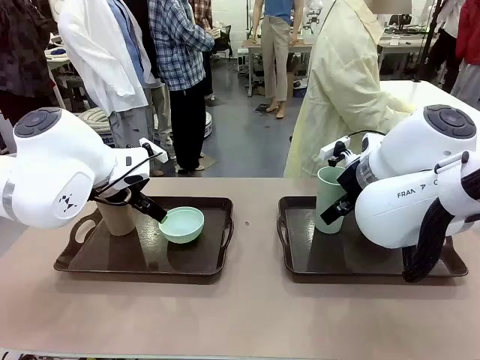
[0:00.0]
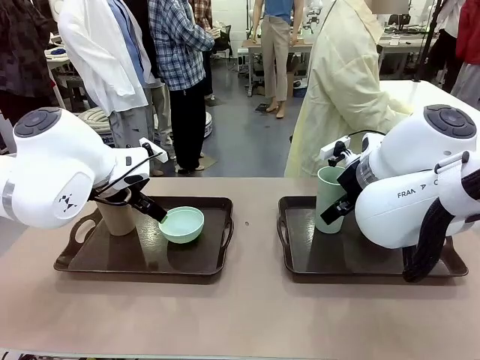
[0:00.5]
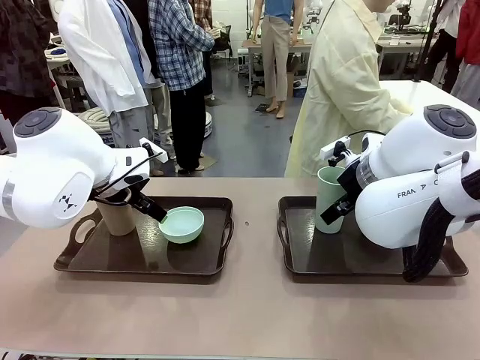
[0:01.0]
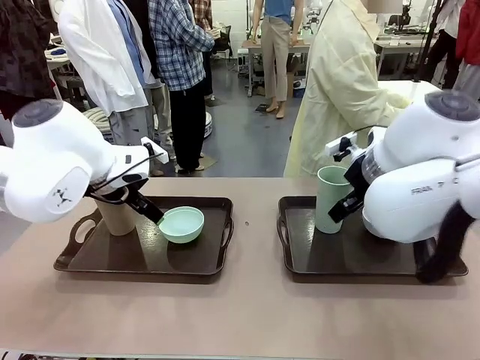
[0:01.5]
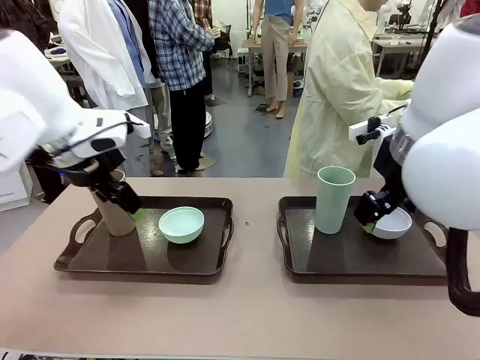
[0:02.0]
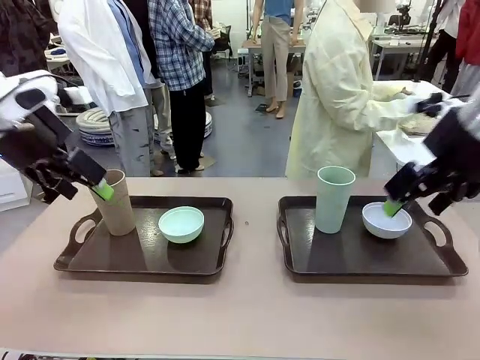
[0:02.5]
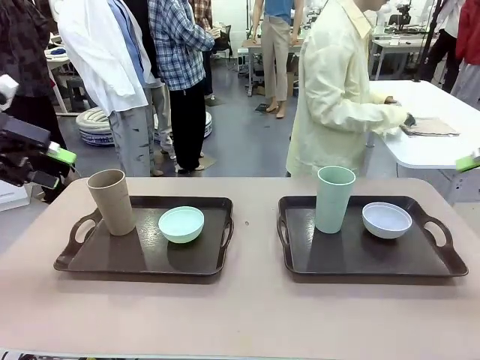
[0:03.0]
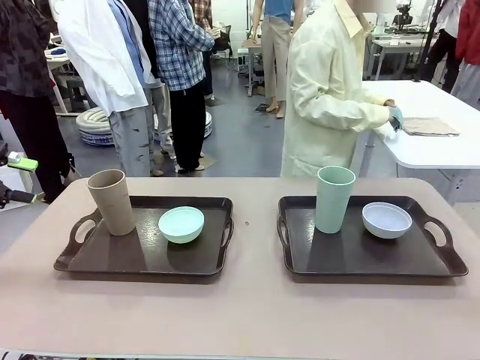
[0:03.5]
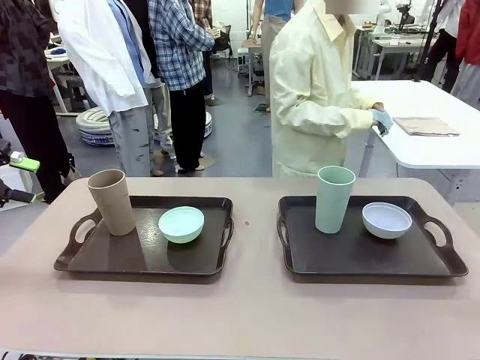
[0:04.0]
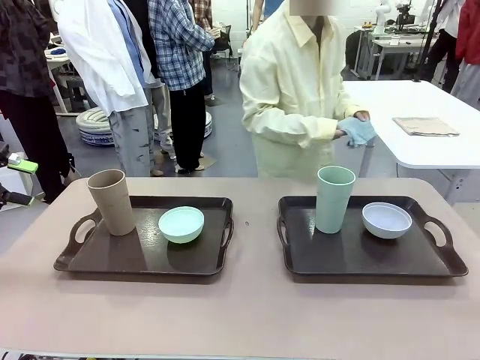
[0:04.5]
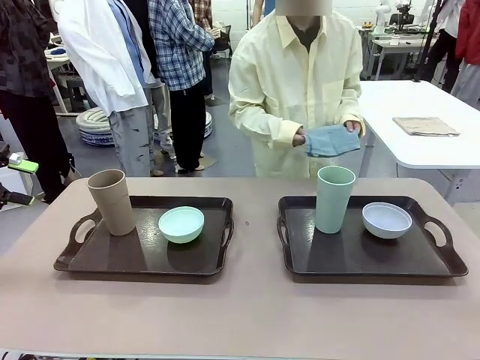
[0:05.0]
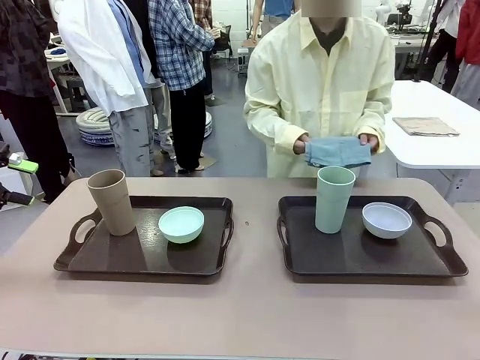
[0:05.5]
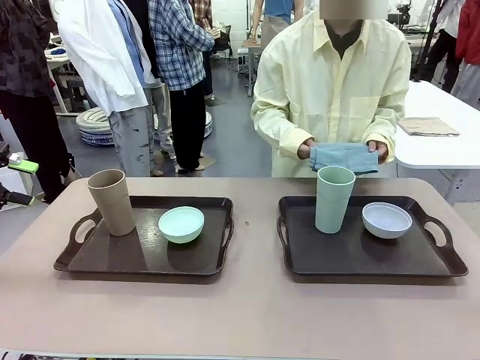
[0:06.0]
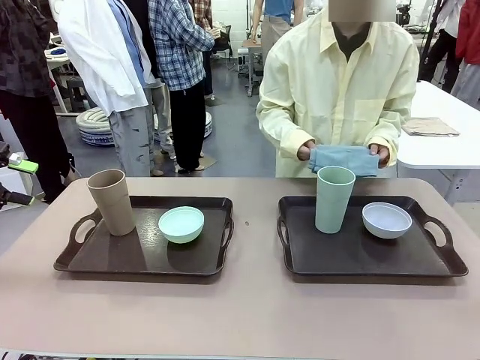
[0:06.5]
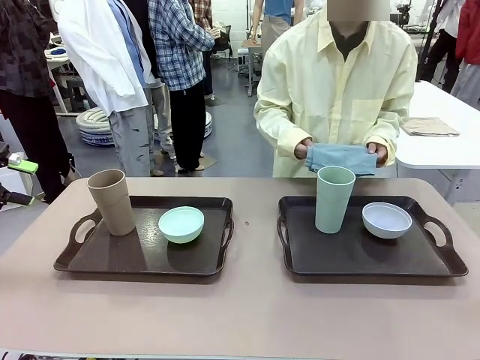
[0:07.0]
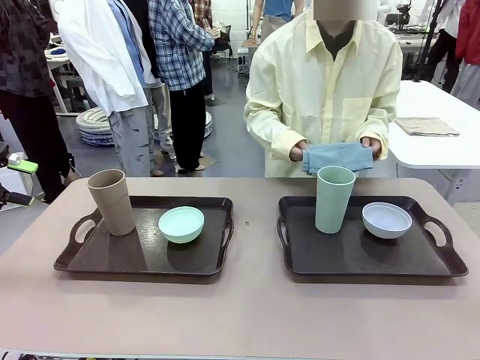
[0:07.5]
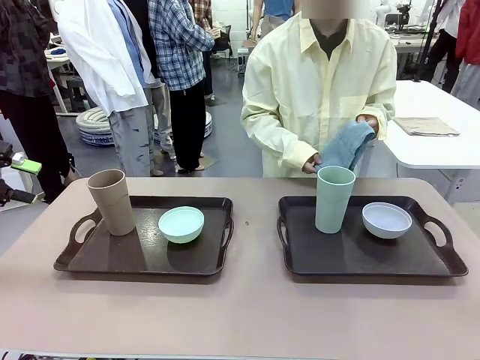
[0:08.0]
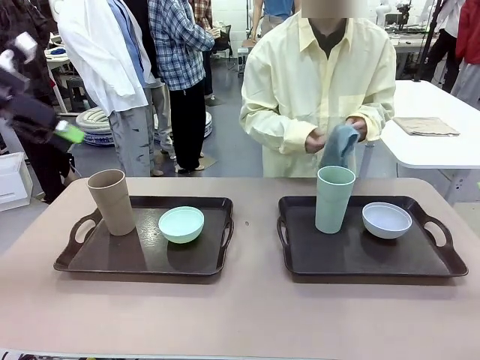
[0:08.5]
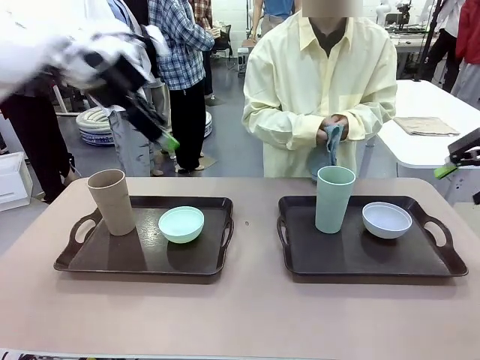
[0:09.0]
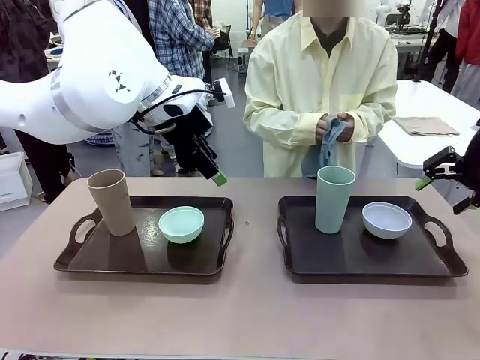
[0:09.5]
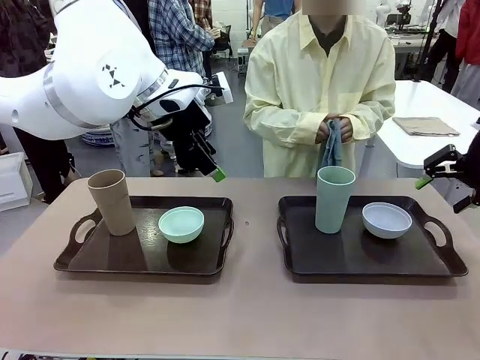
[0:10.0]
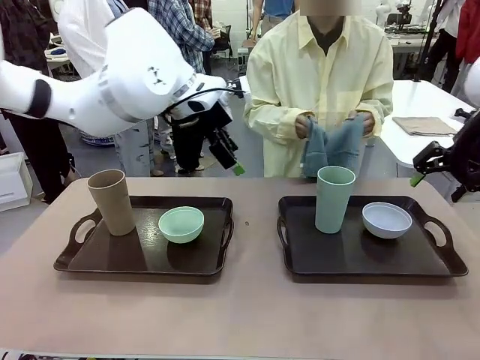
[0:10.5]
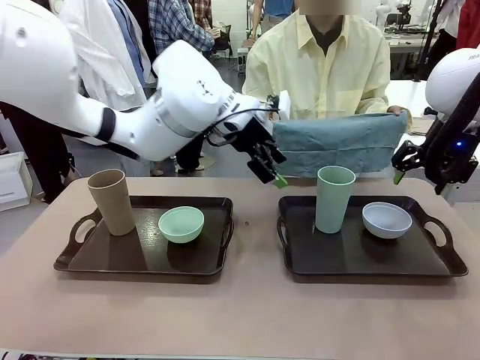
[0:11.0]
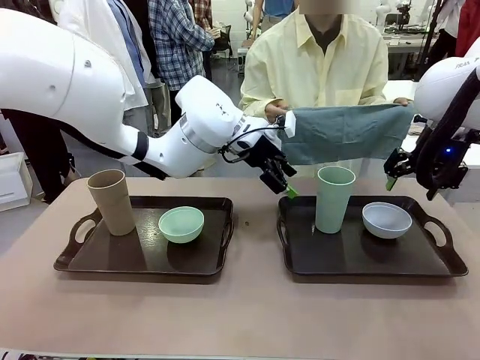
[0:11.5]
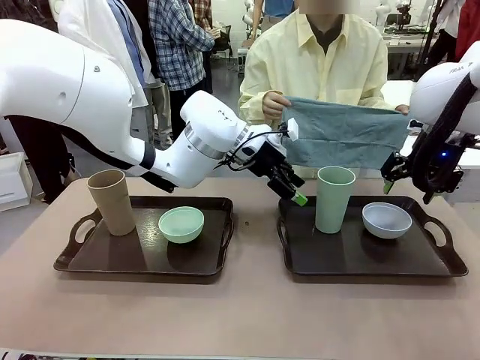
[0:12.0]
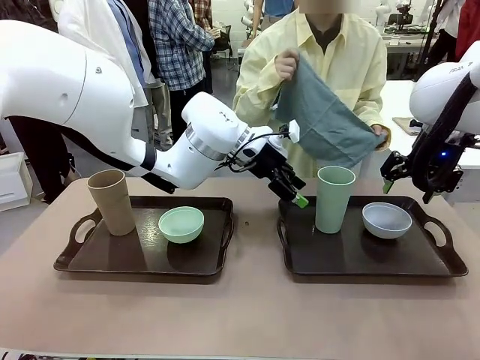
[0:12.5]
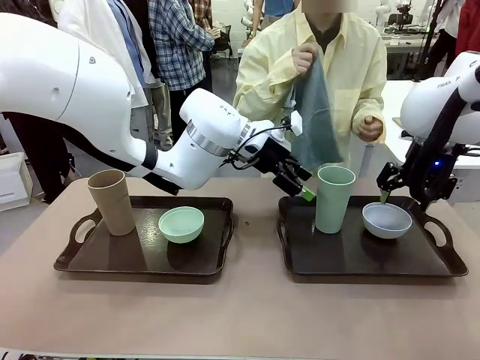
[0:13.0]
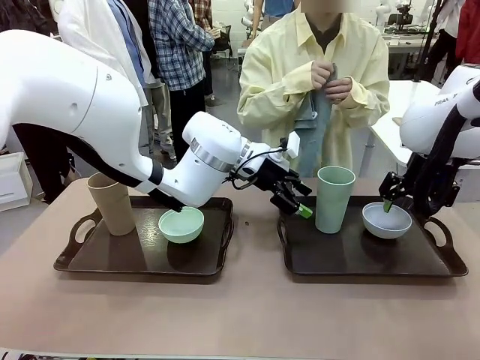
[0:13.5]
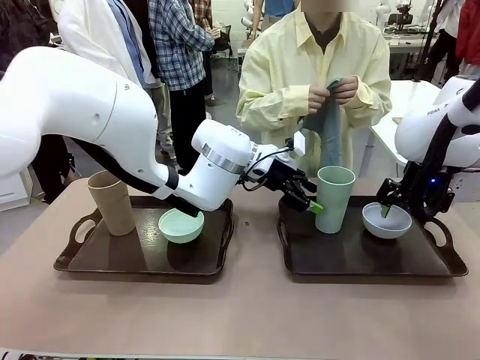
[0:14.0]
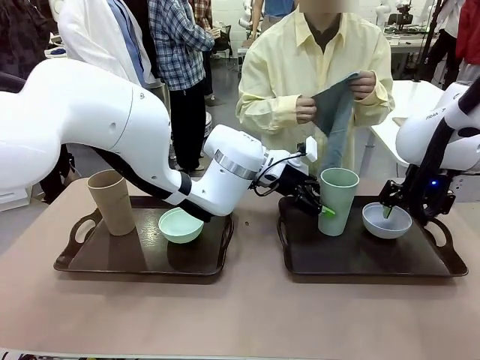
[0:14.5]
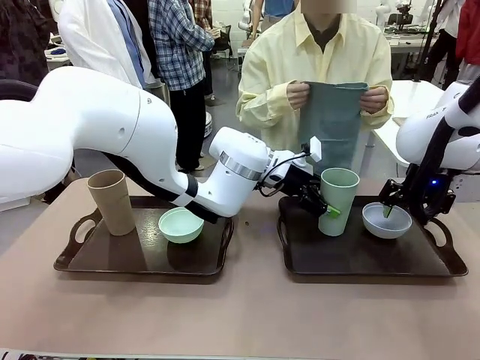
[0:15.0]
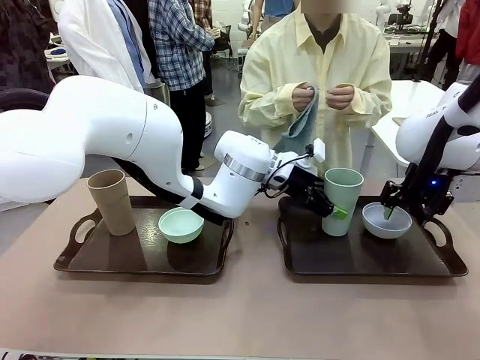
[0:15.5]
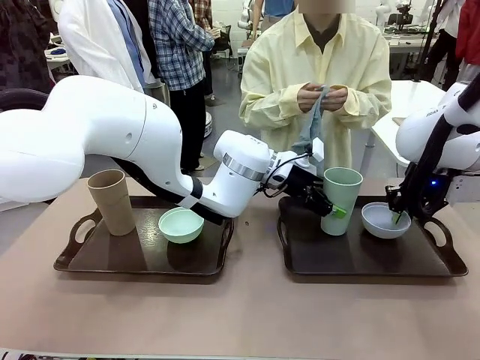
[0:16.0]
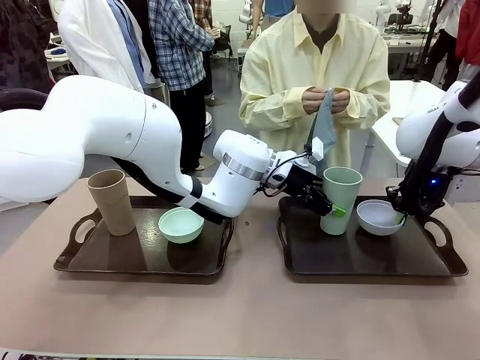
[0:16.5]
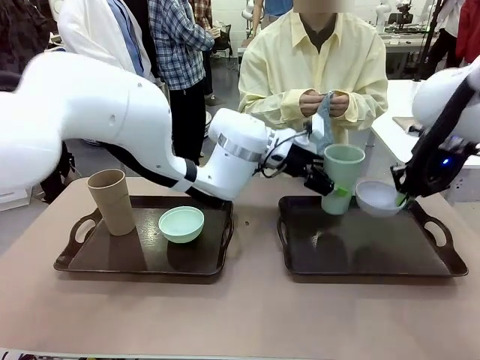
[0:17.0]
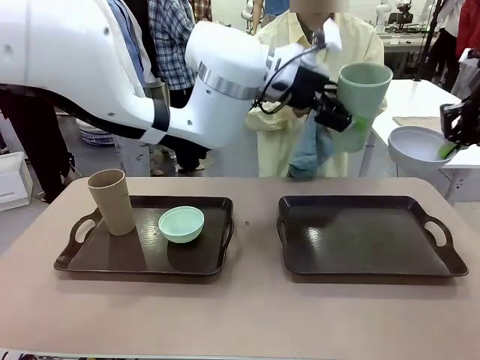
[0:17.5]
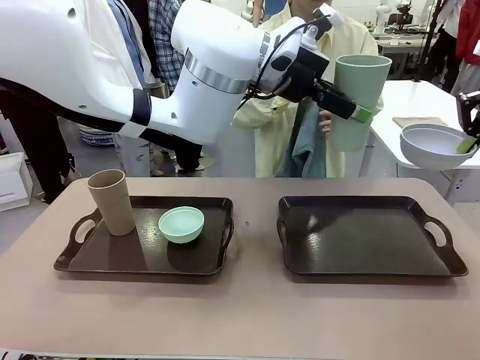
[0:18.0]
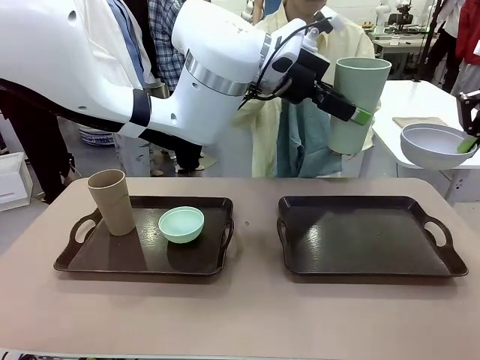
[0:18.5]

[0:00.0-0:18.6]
Robot: Pick up the Picnic Bowl and Reusable plastic cup from the Handle tray in front of the human's position and hold them in the air.
Person: The human picks up the top napkin from the stack on the human table and walks to the robot table to stand in front of one of the two trays. When the robot lifts the bowl and the cup, the human unfolds the napkin and lays the napkin flat on the tray.

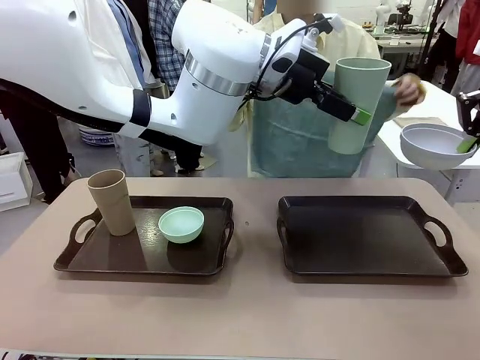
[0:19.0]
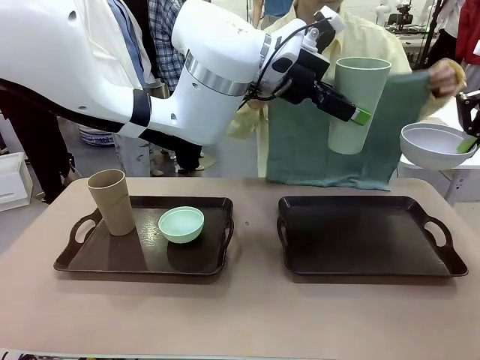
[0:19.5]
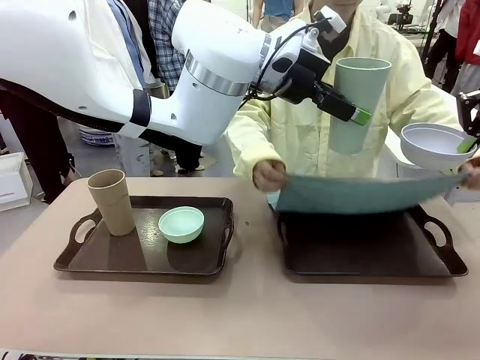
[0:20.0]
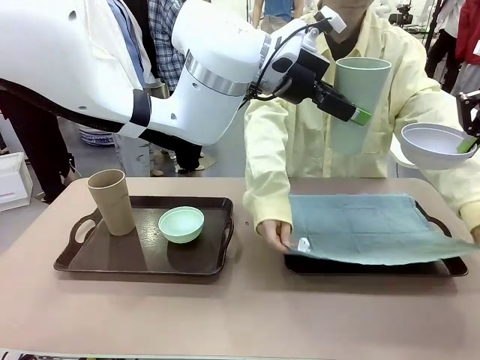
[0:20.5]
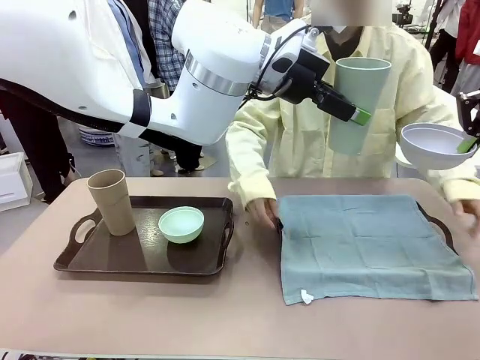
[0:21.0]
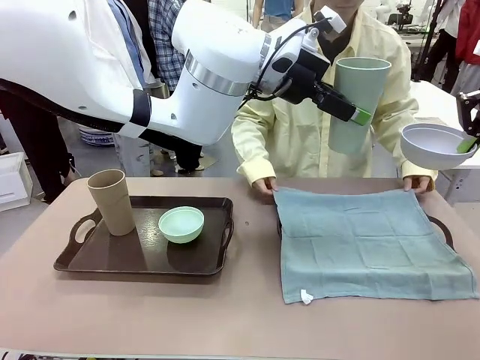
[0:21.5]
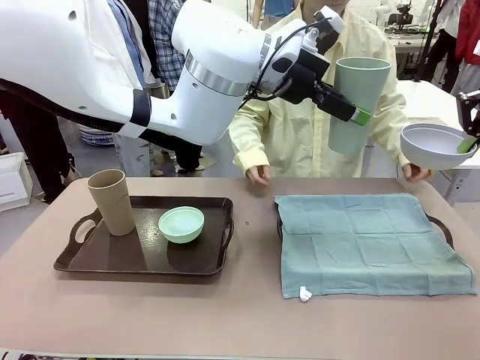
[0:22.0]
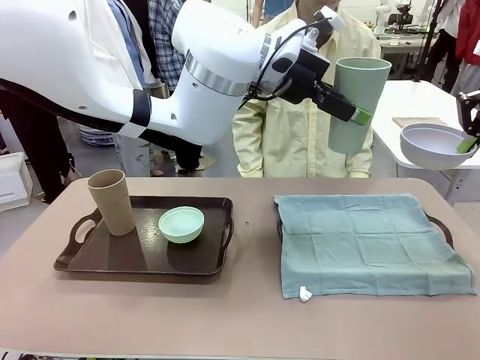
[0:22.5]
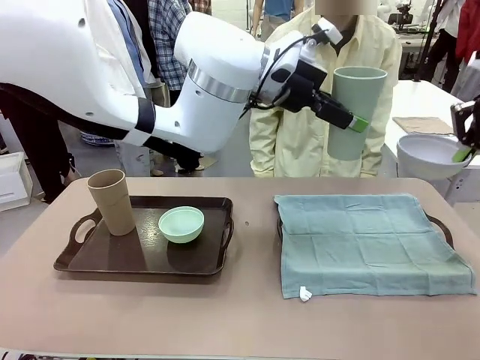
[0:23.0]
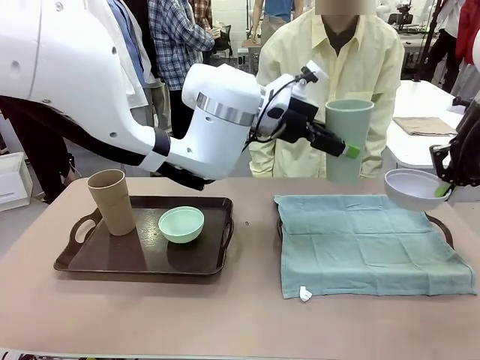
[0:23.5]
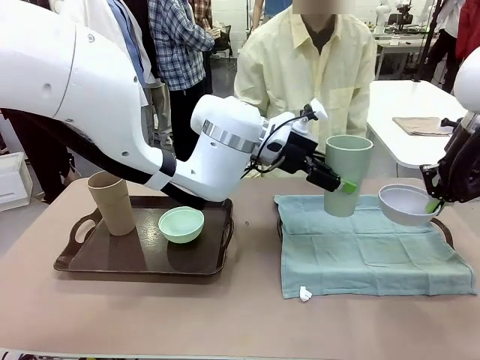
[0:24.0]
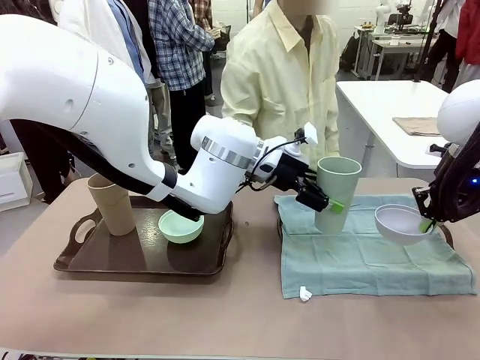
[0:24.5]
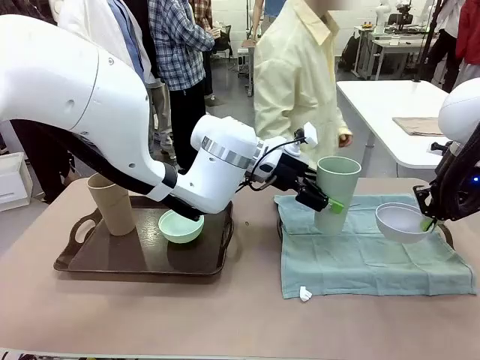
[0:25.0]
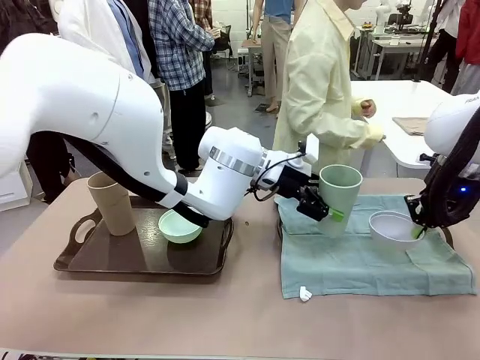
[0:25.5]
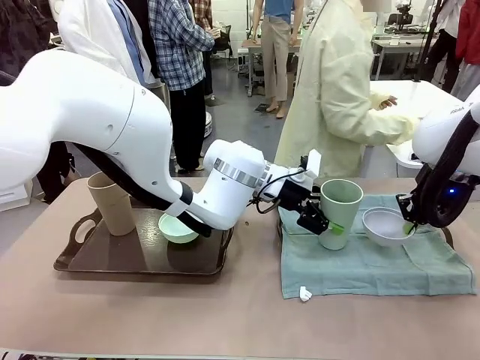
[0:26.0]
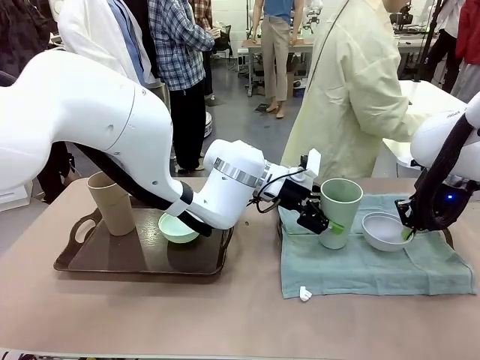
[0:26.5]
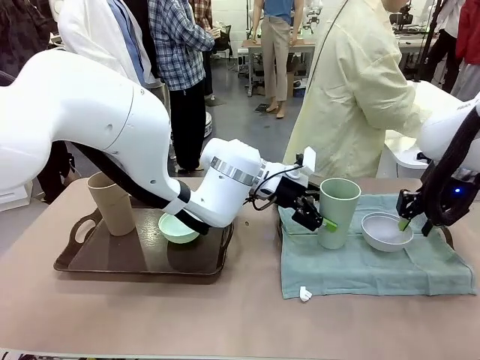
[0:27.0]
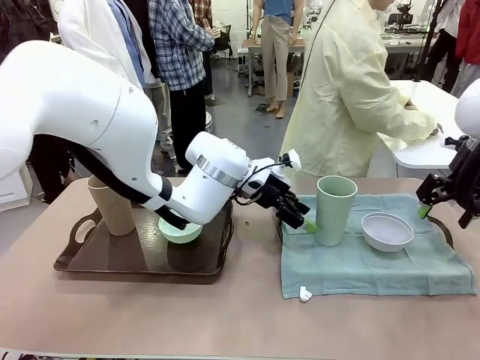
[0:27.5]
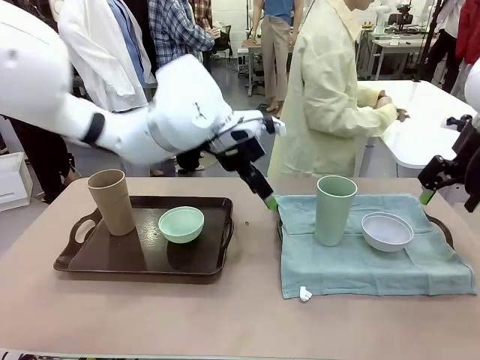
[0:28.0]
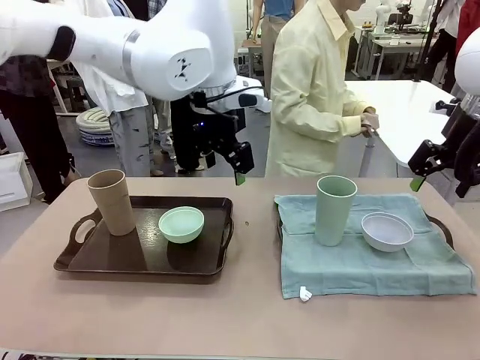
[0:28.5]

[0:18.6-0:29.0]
Robot: Place the Picnic Bowl and Reusable plastic cup back onto the Handle tray in front of the human's position.
Person: The human returns to the human table to pick up another napkin and walks to the robot table to stand in front of the tray without a napkin.
